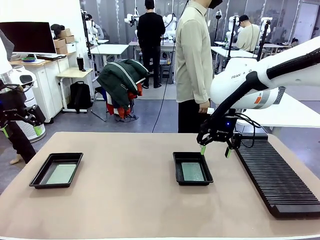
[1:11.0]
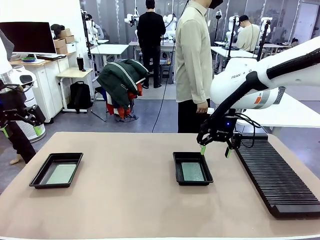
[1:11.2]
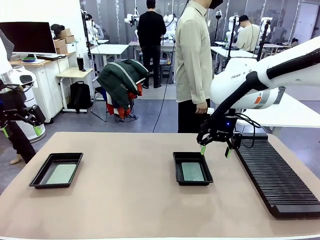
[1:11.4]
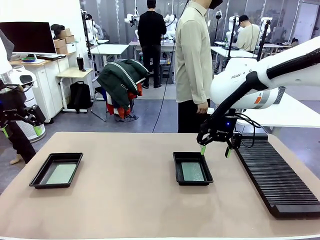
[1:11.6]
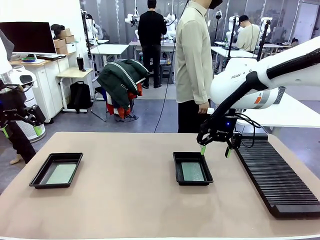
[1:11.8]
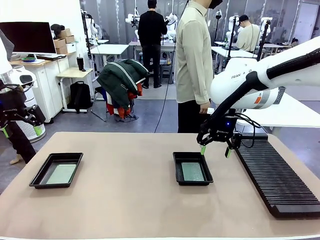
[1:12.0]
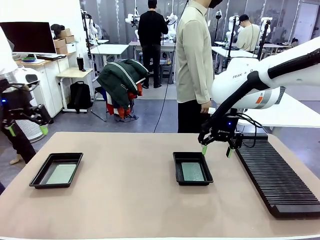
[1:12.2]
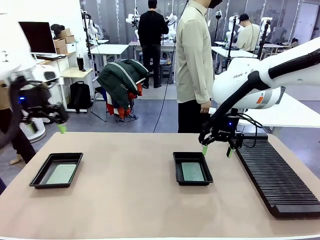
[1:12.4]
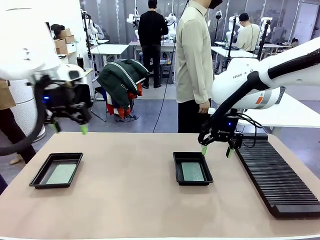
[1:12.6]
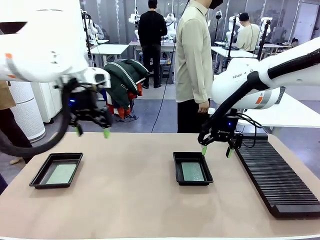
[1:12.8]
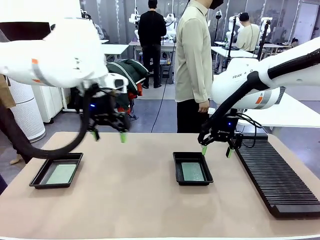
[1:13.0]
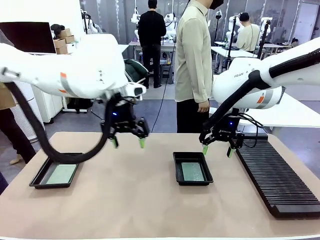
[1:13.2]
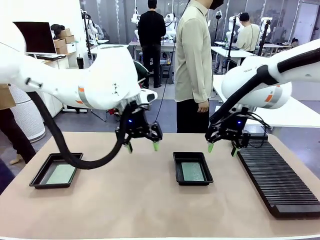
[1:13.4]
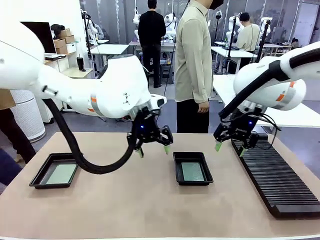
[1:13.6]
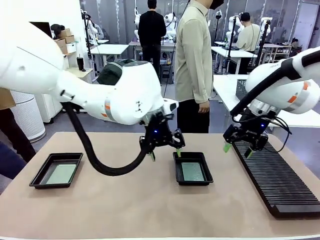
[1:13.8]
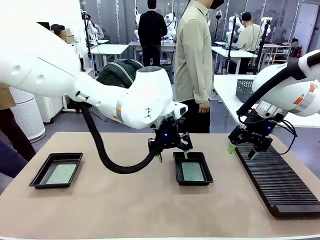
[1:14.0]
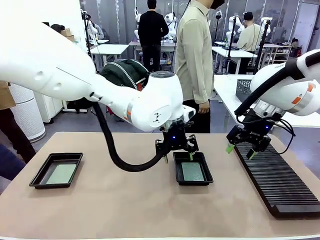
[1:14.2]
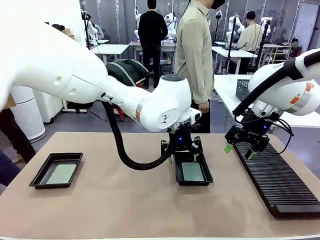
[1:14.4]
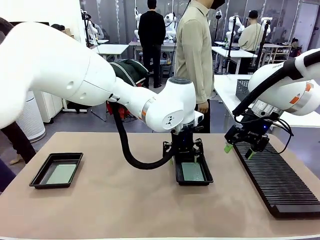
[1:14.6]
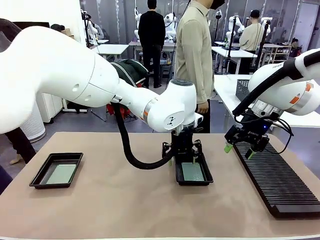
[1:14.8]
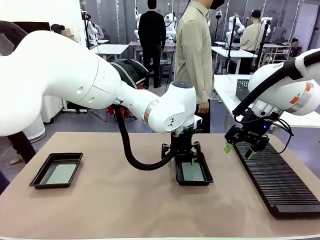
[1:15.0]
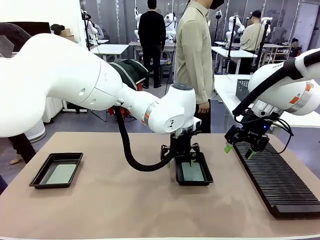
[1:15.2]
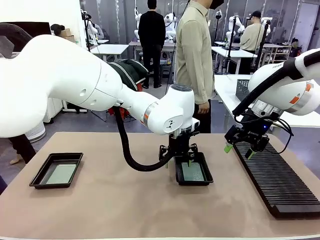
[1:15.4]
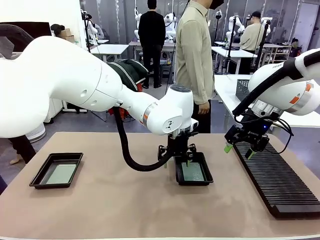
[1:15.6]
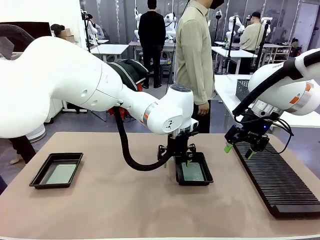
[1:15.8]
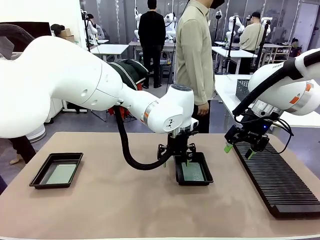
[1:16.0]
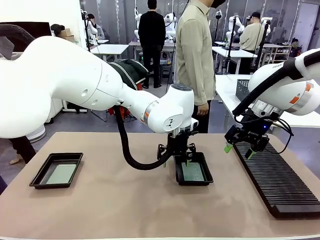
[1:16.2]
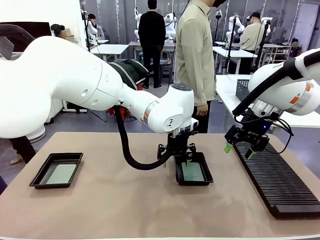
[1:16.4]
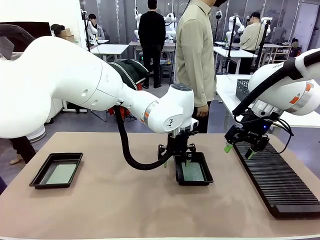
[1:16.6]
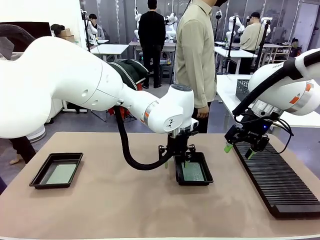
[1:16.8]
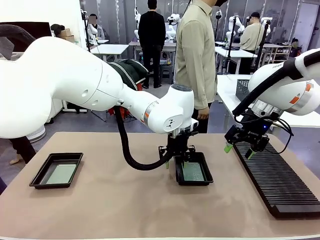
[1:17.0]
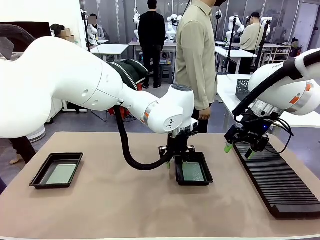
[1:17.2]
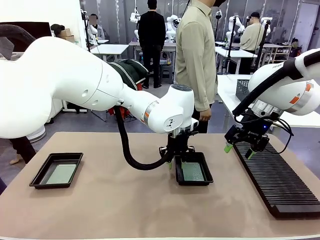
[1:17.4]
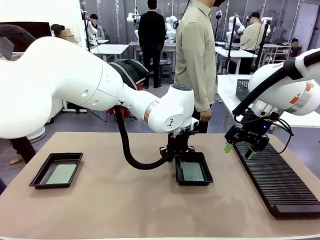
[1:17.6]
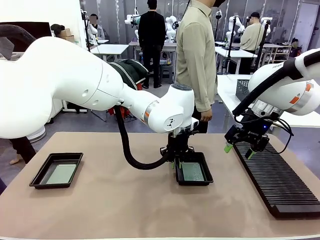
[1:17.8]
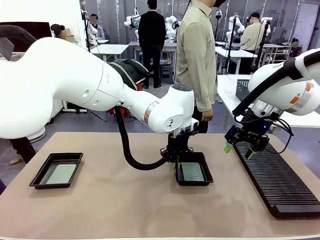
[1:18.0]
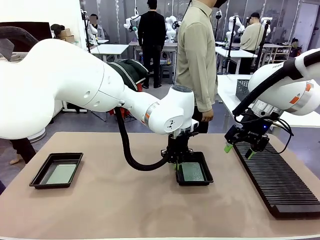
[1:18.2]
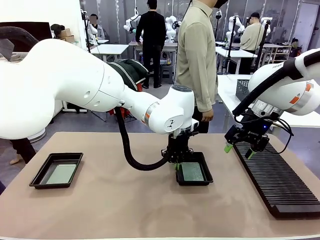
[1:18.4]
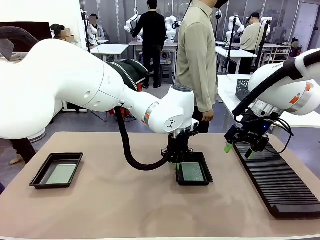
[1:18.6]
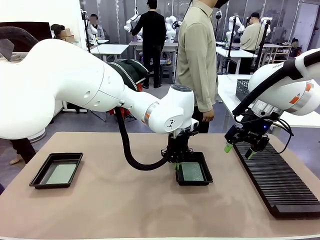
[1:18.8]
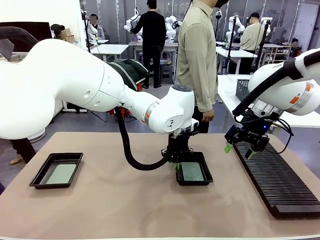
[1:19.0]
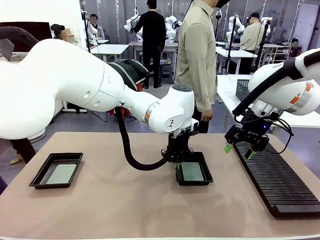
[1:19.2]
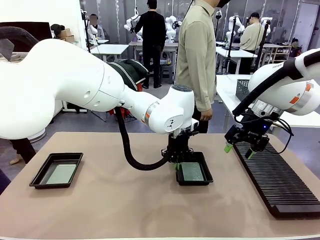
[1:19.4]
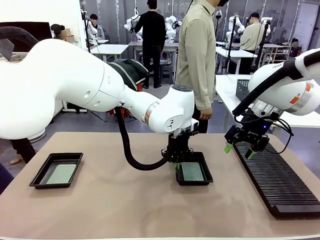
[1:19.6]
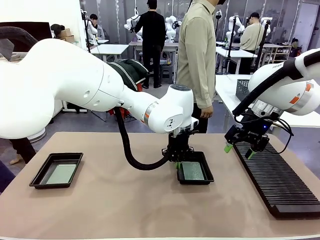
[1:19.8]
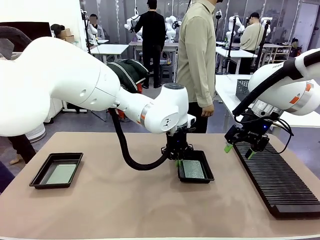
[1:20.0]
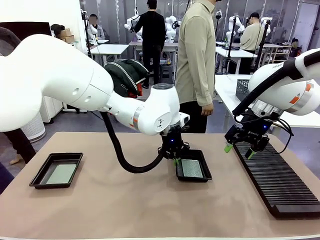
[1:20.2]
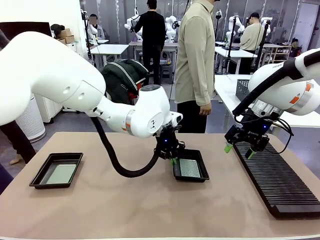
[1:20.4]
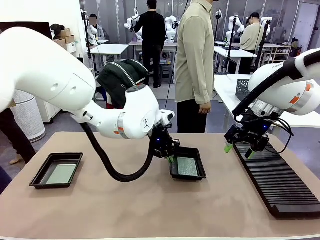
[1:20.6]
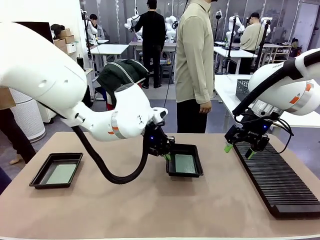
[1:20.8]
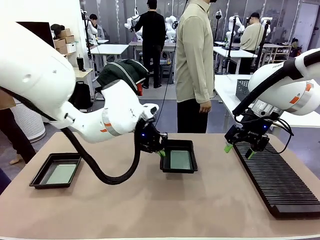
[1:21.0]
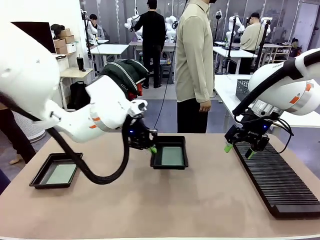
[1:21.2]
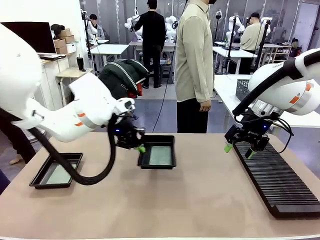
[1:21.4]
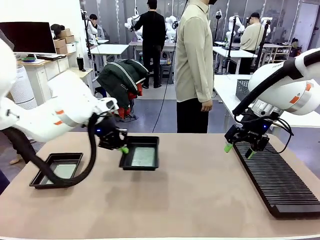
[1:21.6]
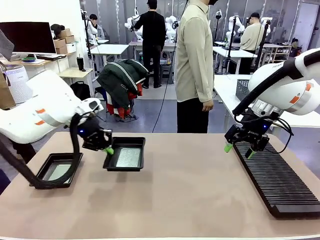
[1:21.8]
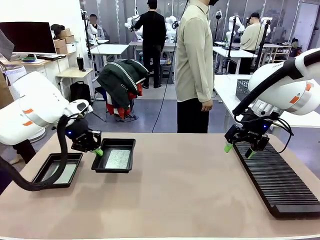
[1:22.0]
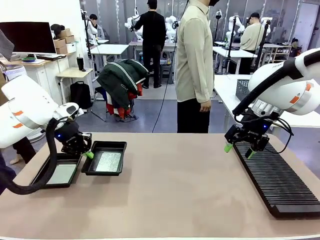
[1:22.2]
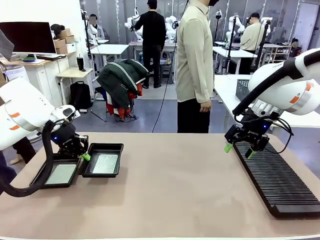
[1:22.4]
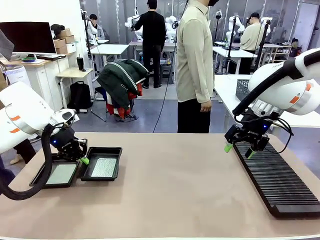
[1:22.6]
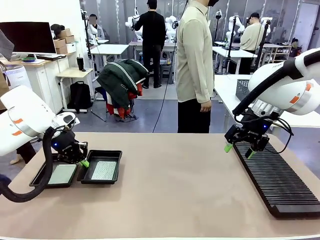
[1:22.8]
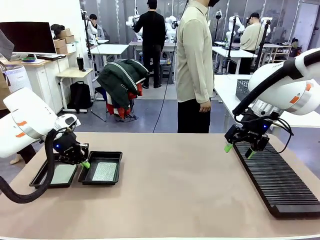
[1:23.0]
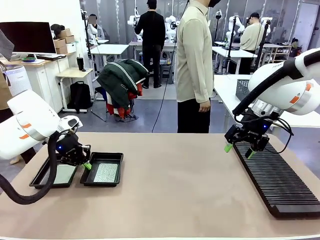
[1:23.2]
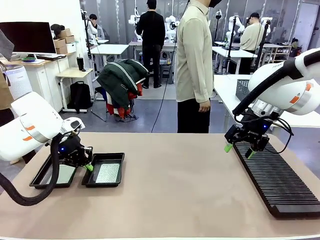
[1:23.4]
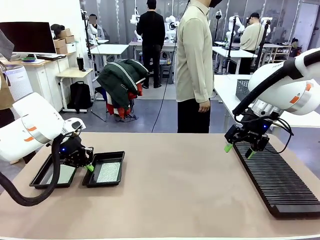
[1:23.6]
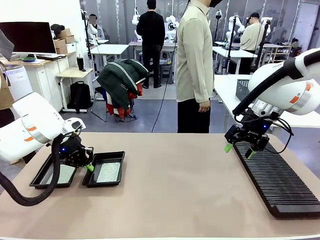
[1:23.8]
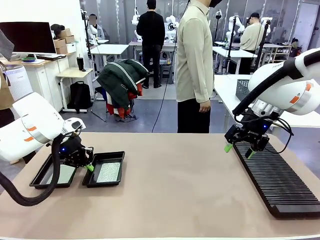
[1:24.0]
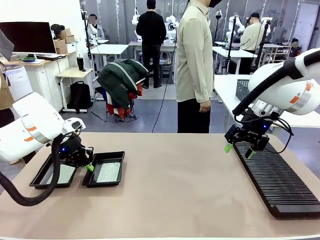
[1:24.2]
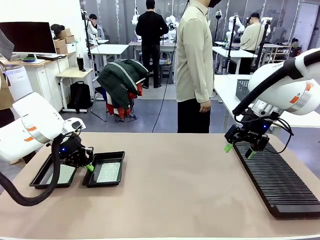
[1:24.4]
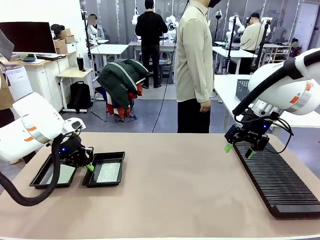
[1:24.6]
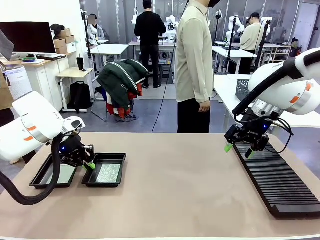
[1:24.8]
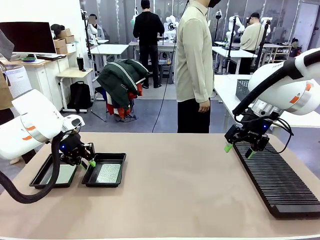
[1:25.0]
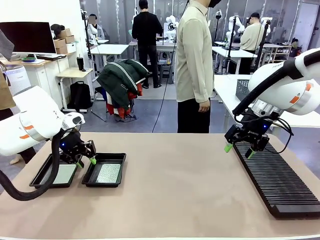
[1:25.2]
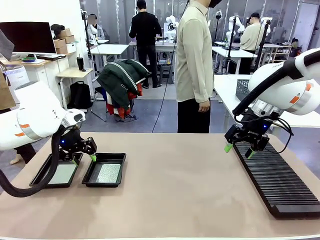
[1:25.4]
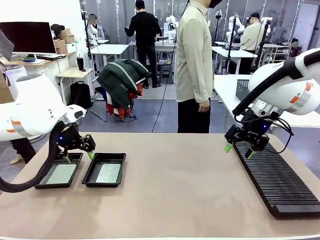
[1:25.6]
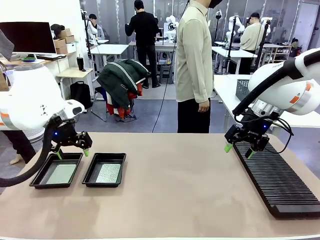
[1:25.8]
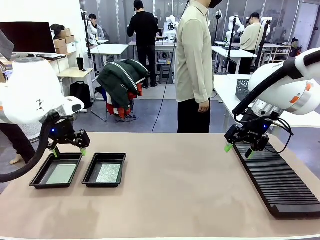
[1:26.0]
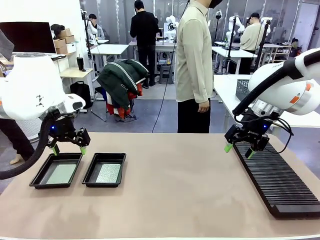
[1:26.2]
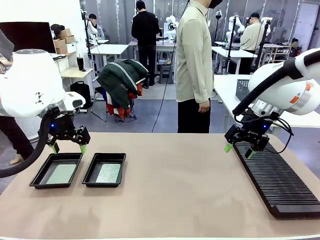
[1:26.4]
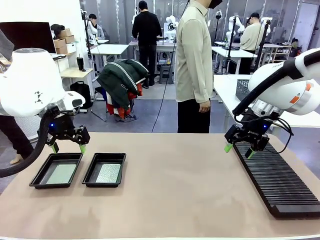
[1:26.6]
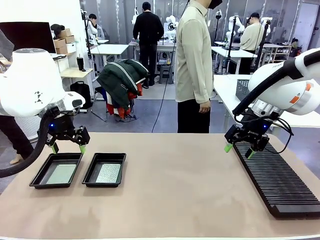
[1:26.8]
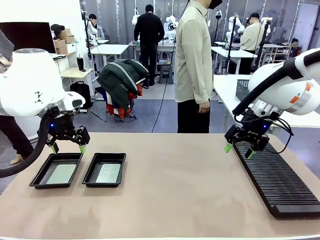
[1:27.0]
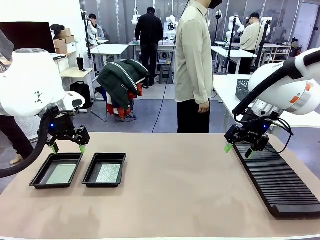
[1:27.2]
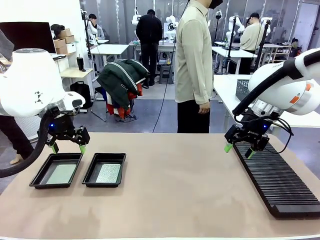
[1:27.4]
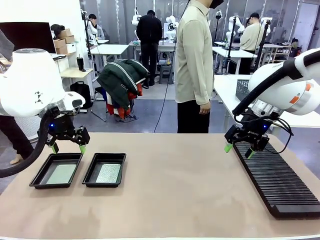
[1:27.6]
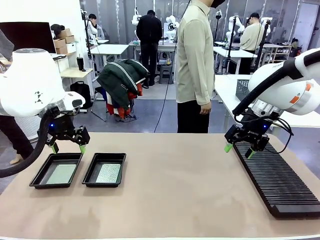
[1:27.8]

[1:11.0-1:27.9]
Task: Inspect and transfer BCBs to ESD trays.
Robot: Pick up the ESD tray and place it on the left side of the table.

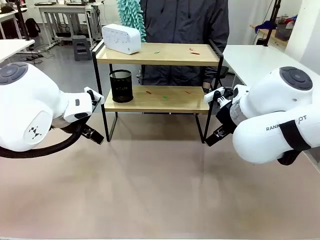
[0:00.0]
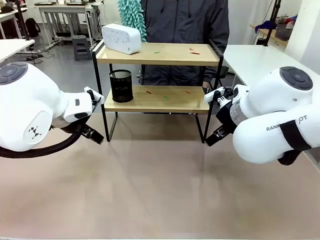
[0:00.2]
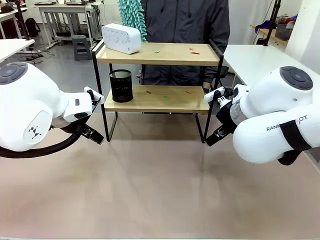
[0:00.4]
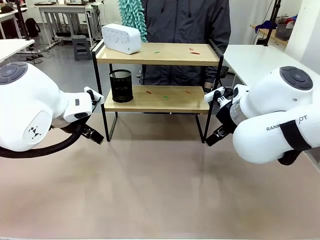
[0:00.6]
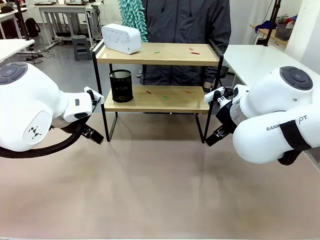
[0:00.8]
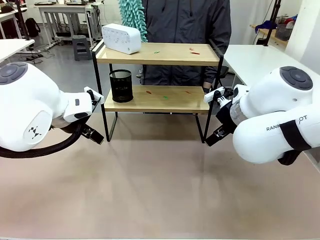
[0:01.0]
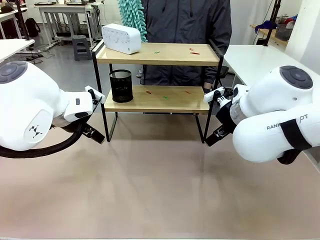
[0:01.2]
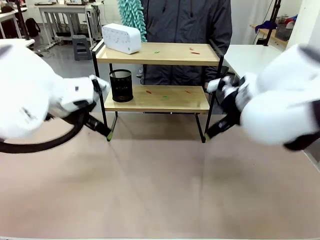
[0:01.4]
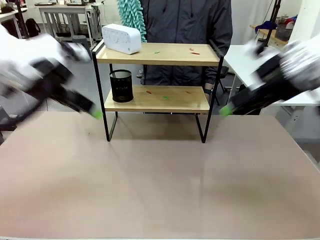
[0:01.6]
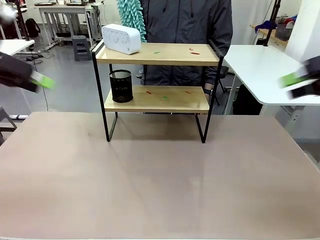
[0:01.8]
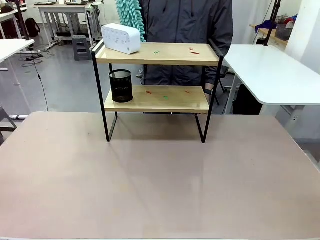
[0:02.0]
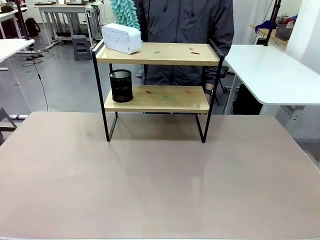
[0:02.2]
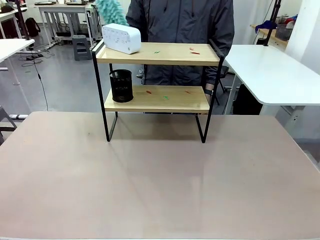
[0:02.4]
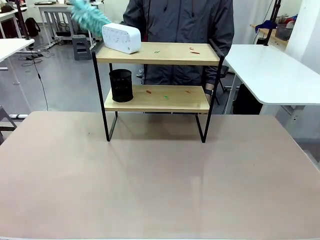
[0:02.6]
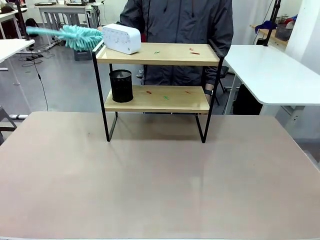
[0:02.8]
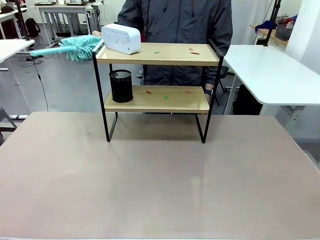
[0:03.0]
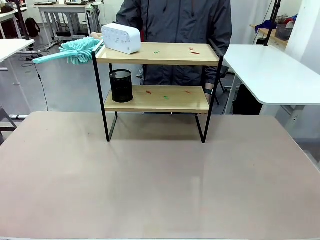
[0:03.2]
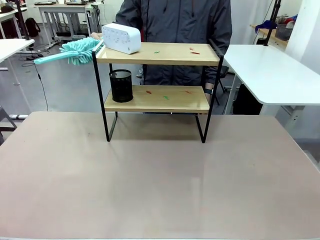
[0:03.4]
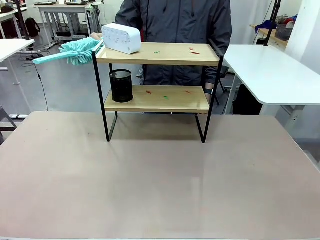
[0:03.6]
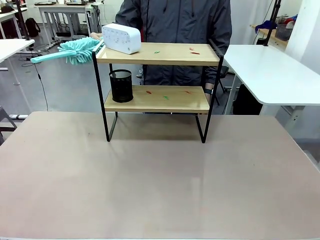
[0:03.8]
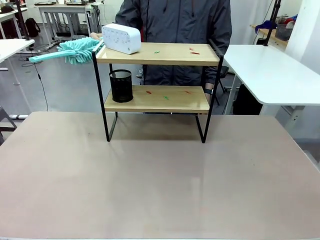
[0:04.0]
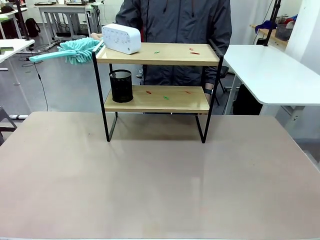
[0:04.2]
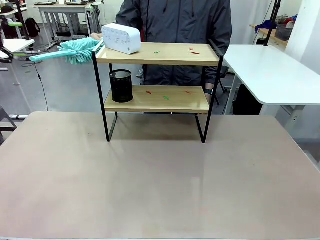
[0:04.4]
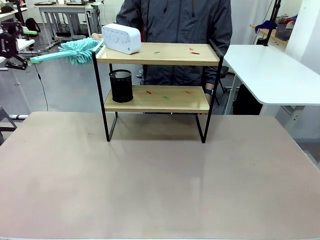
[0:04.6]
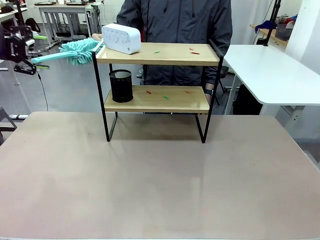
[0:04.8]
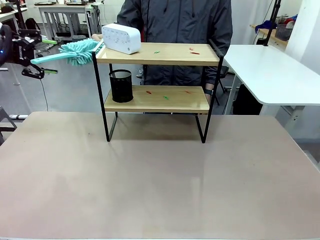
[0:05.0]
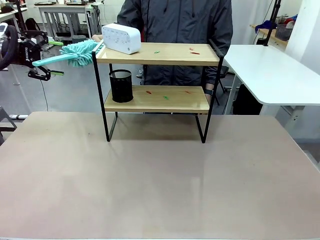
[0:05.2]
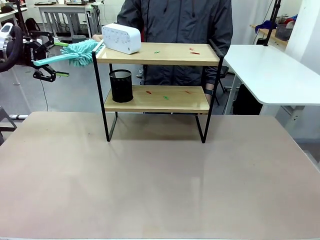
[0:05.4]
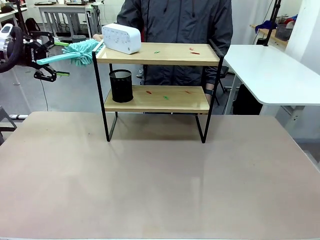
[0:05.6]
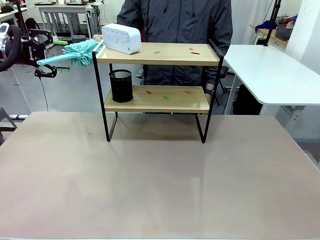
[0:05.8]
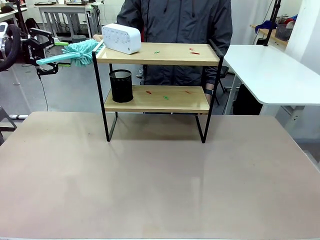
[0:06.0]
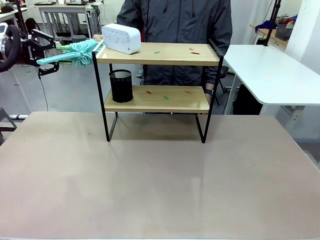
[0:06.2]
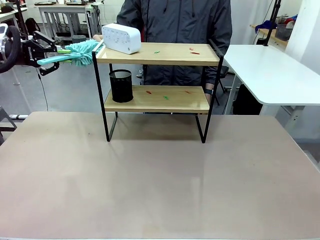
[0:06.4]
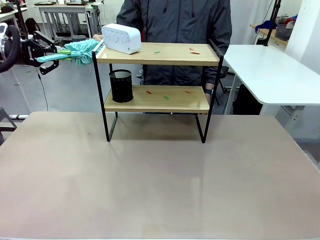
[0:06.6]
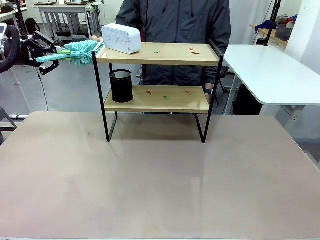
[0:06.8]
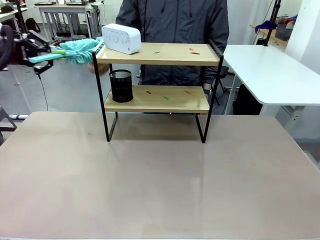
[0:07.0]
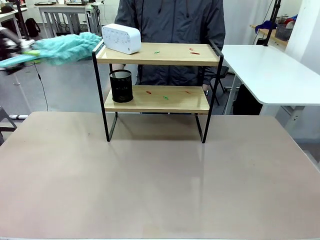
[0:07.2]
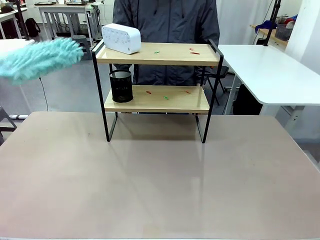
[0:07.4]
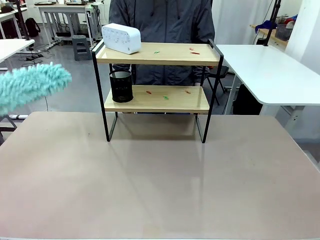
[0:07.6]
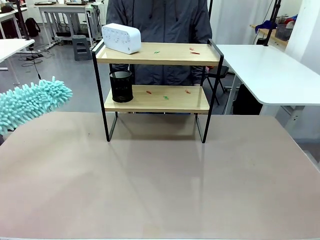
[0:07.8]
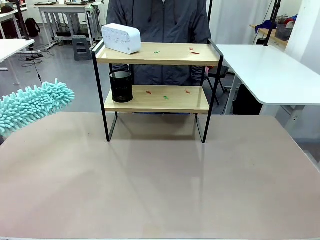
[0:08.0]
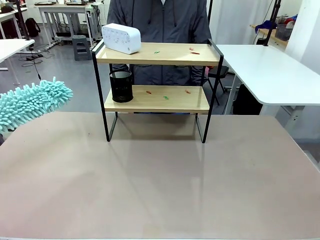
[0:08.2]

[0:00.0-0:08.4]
Task: Clean the shelf.
Robot: Pick up the Duster from the human.
Person: Hand the Duster to the robot.
